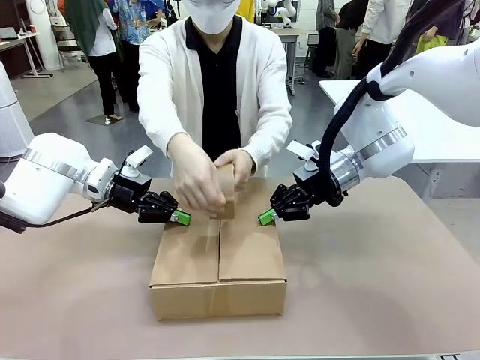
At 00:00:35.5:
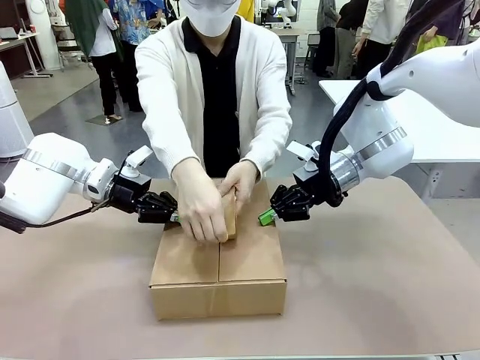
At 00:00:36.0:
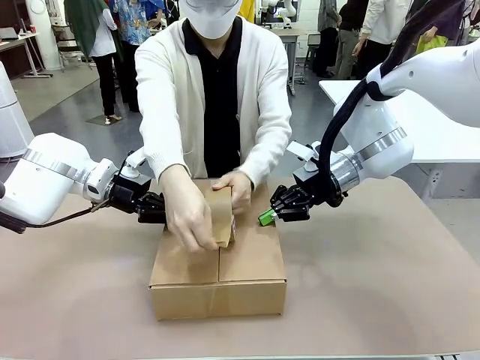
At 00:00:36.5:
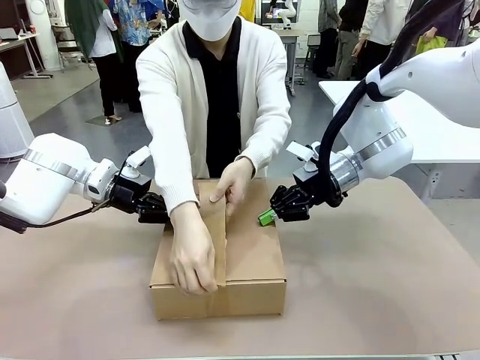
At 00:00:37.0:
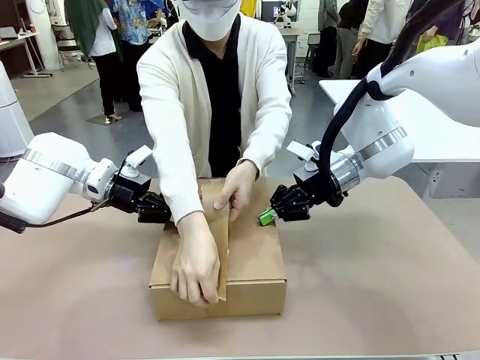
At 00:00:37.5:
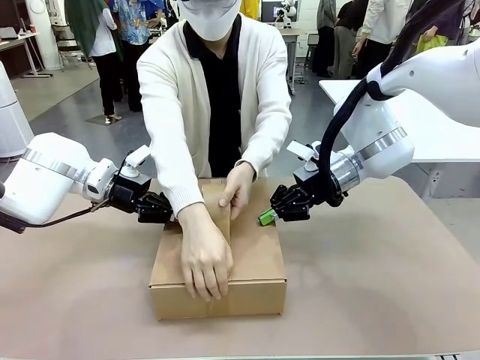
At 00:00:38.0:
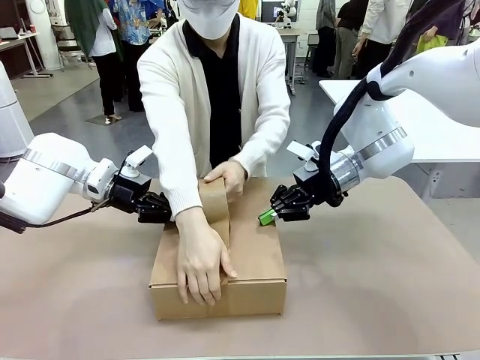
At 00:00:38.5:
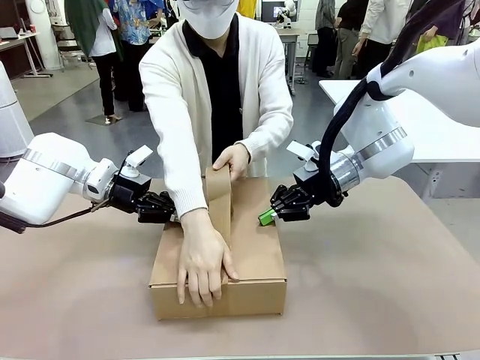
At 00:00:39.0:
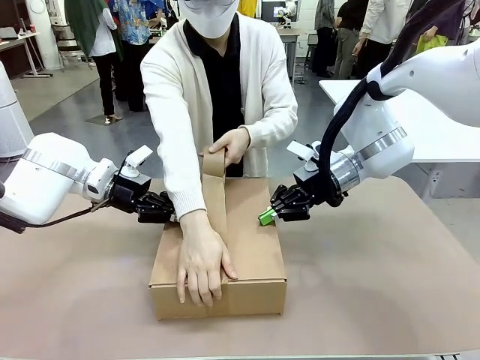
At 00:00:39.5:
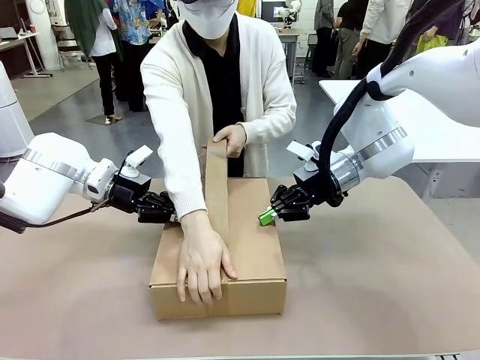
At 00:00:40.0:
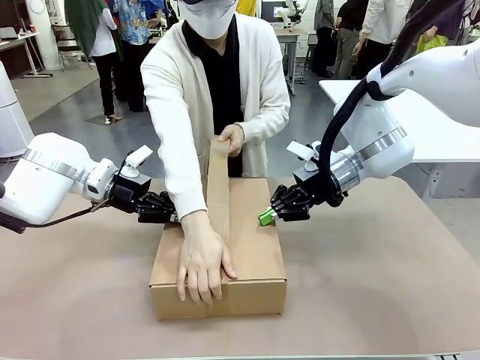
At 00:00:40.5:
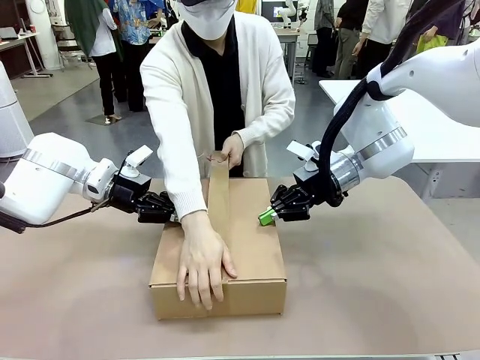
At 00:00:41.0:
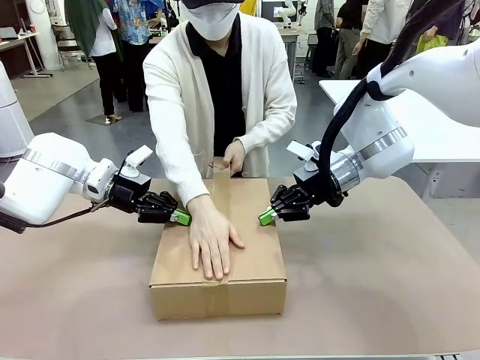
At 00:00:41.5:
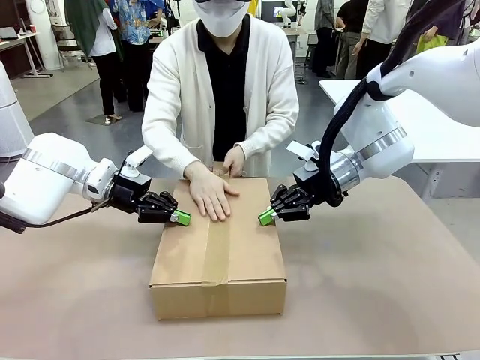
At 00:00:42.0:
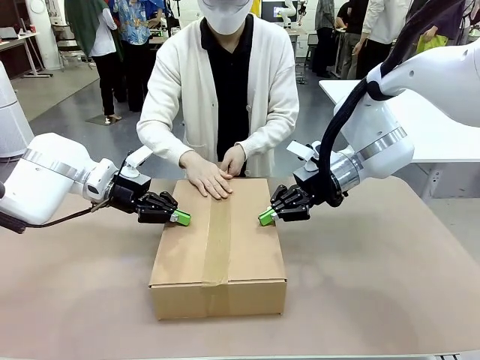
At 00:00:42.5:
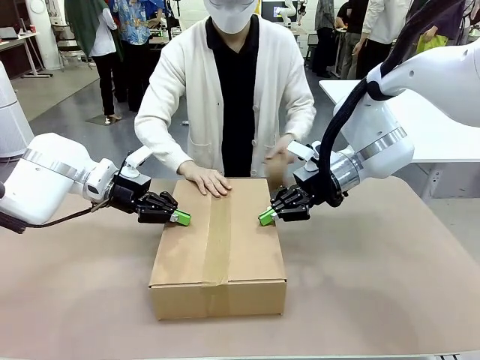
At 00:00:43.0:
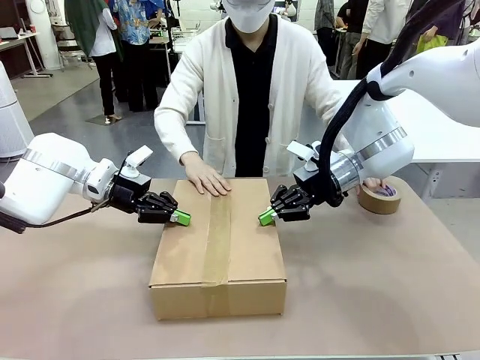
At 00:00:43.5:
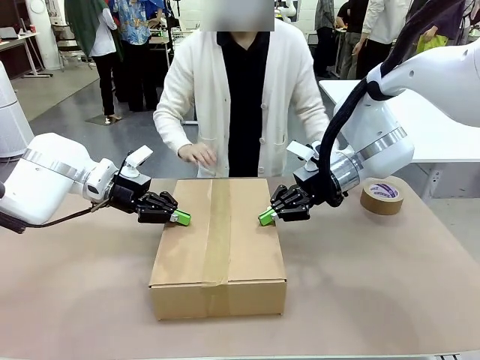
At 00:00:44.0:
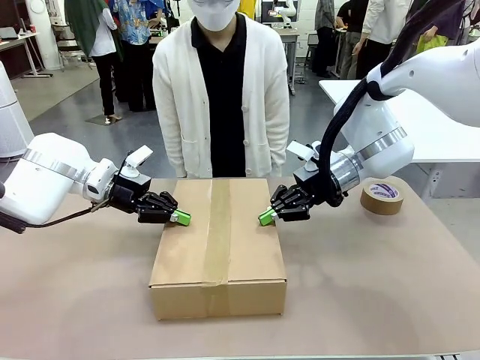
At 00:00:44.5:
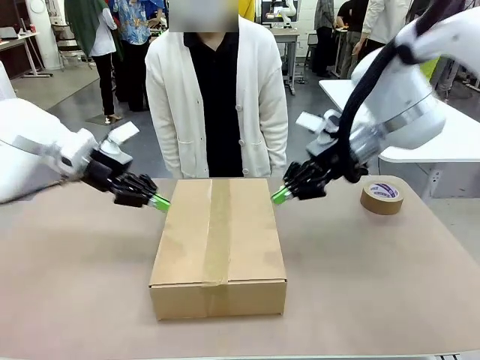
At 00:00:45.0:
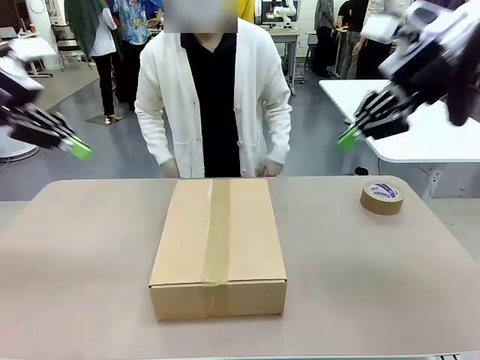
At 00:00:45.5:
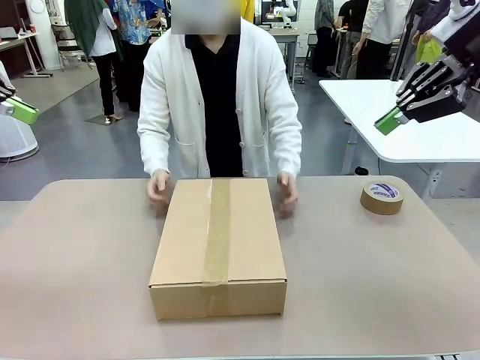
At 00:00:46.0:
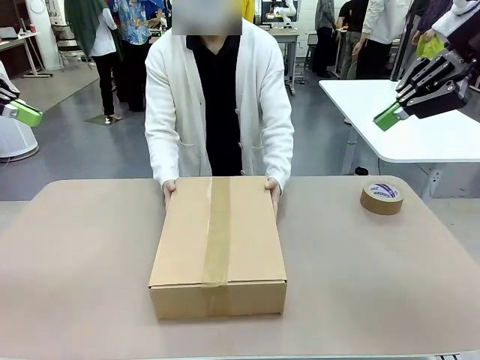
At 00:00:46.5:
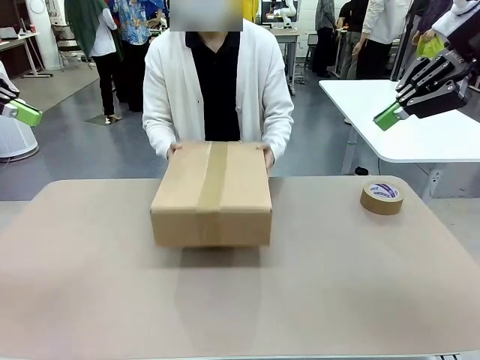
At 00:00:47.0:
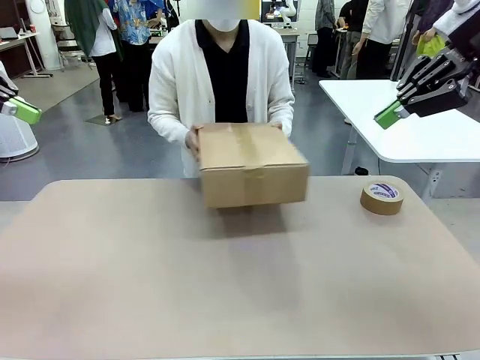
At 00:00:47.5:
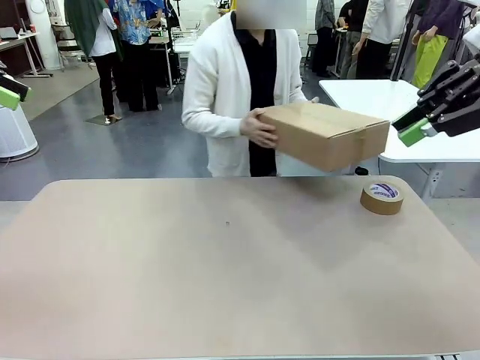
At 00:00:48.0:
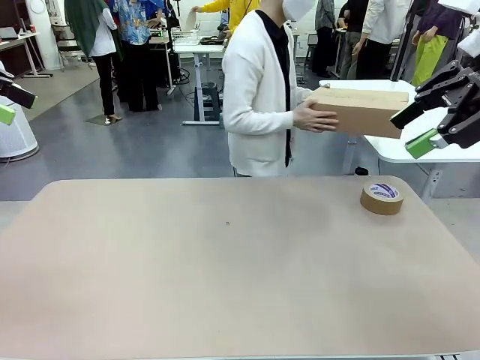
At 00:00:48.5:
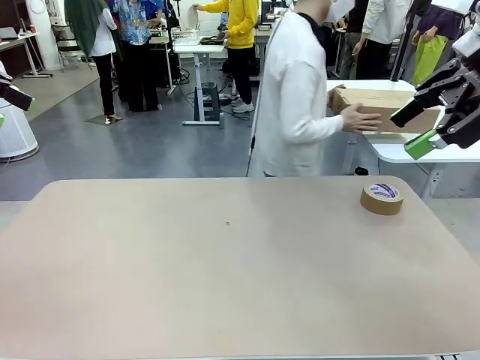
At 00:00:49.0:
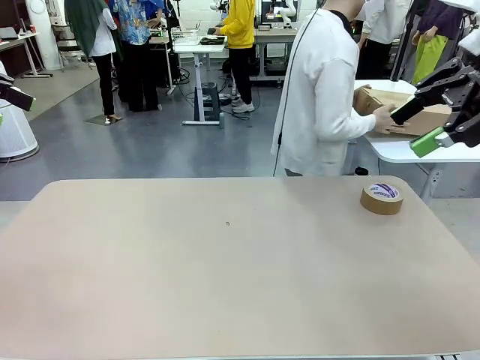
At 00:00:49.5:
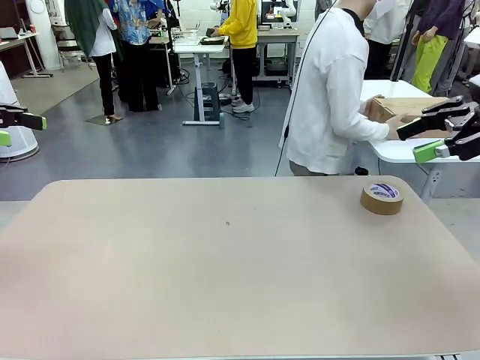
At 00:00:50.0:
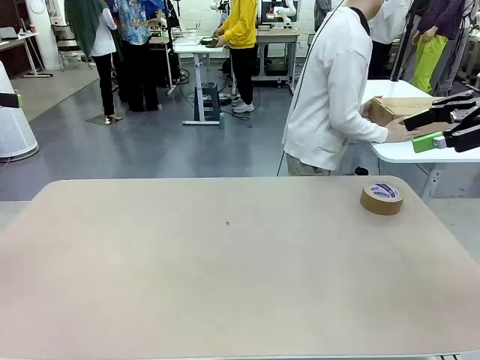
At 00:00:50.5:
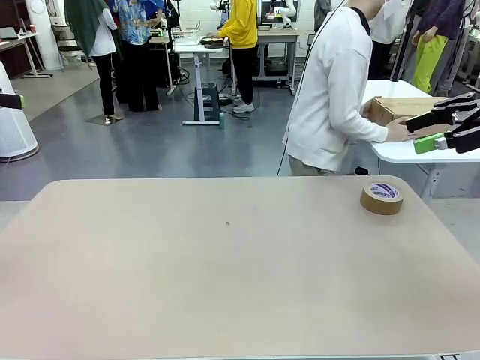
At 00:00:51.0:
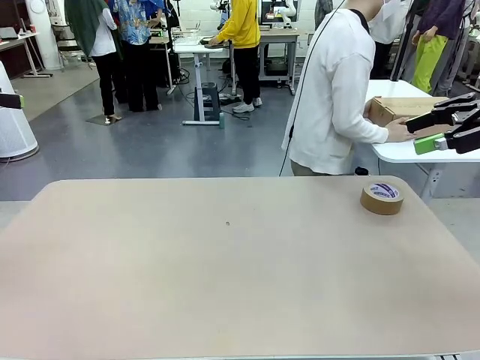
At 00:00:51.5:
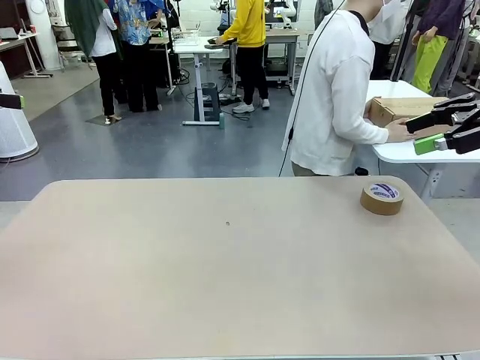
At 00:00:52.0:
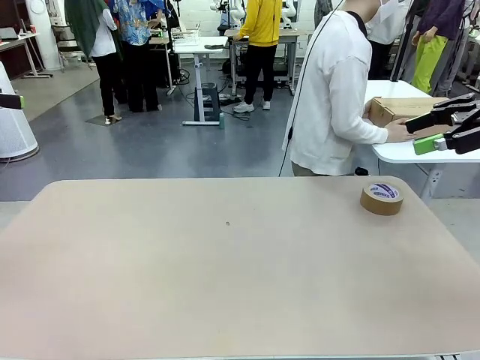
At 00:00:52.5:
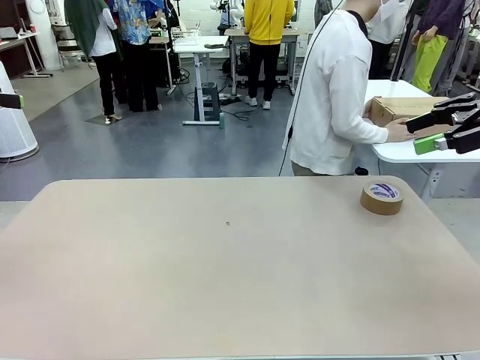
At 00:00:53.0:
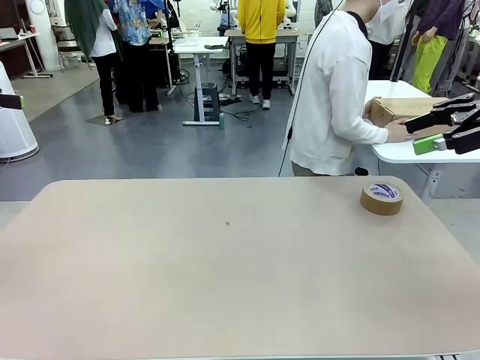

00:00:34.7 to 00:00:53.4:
Task: Wrap the clocks to prevent damage.
Robot: After the human seals the box with tape, release both hands from the side flaps of the Package Box.
Person: Once the robot closes the left flap of the Package Box , seal the box with Paper Tape. Place sealed Package Box in the middle of the human's table.
